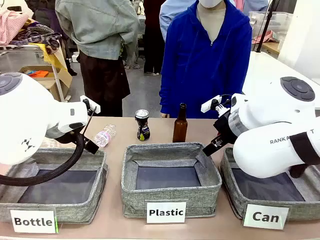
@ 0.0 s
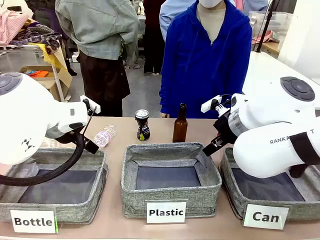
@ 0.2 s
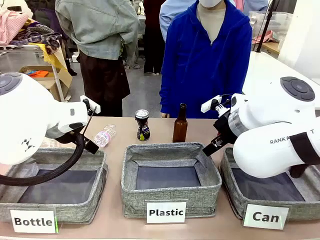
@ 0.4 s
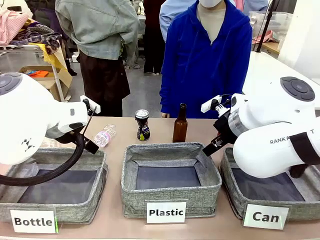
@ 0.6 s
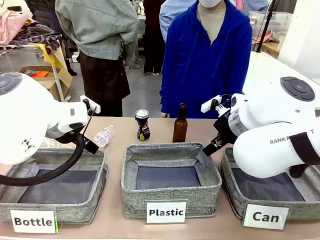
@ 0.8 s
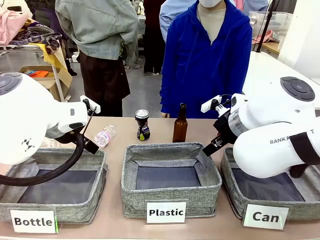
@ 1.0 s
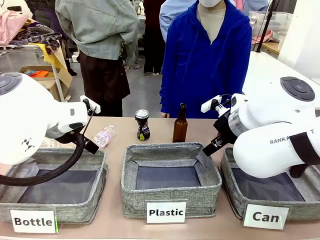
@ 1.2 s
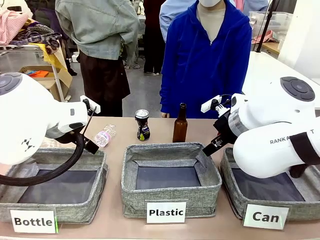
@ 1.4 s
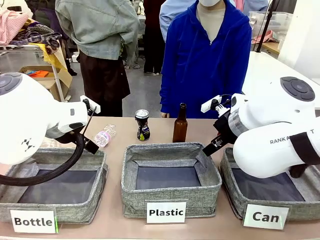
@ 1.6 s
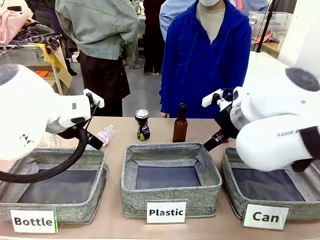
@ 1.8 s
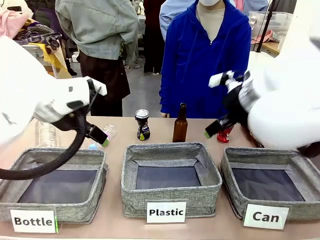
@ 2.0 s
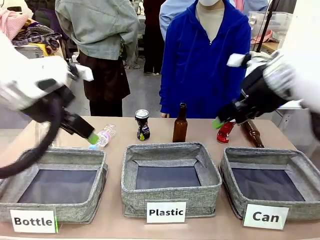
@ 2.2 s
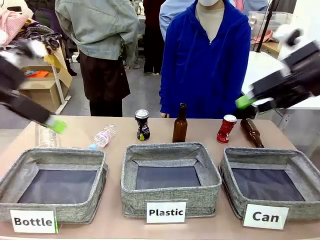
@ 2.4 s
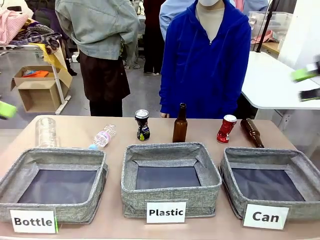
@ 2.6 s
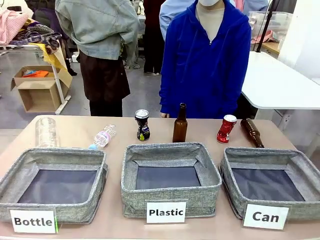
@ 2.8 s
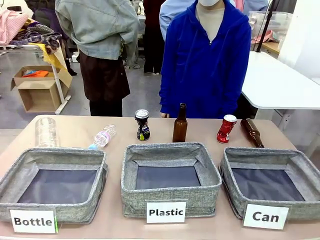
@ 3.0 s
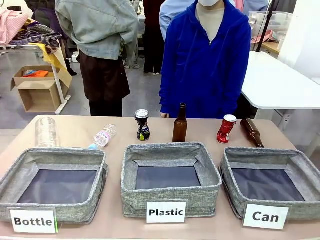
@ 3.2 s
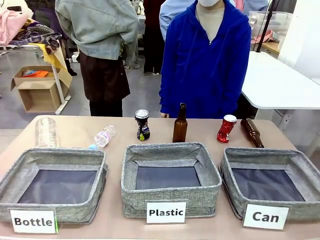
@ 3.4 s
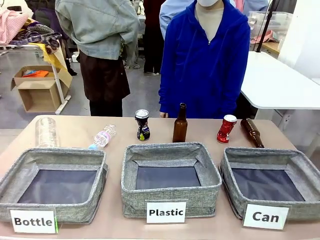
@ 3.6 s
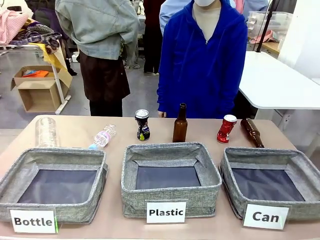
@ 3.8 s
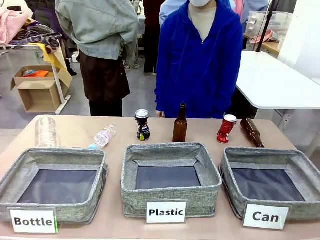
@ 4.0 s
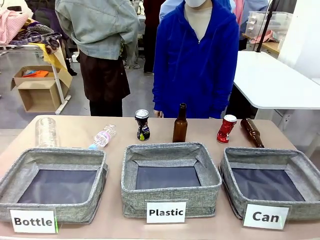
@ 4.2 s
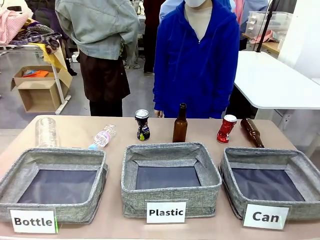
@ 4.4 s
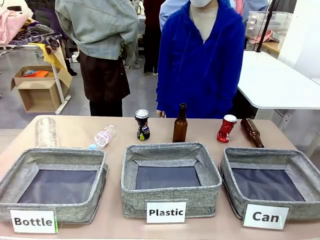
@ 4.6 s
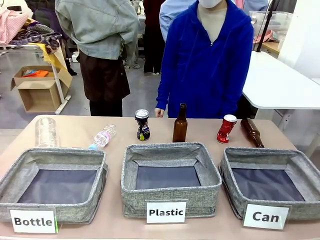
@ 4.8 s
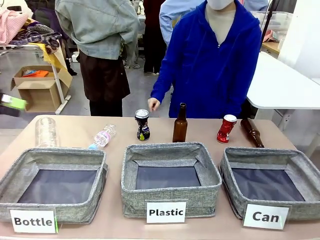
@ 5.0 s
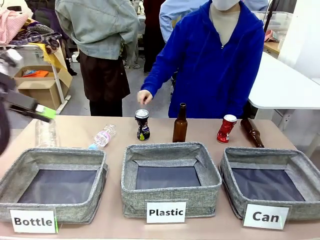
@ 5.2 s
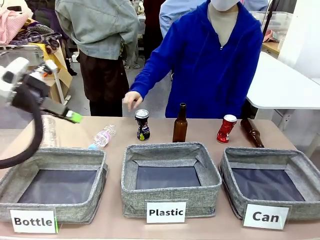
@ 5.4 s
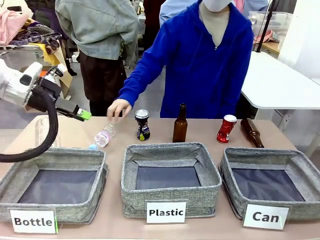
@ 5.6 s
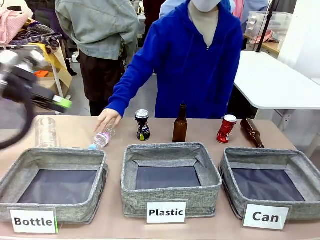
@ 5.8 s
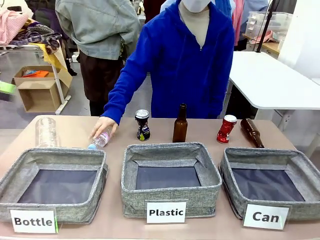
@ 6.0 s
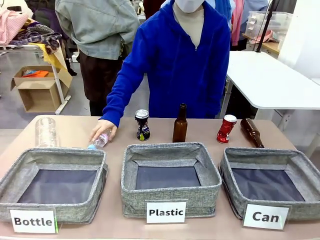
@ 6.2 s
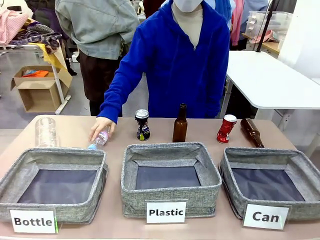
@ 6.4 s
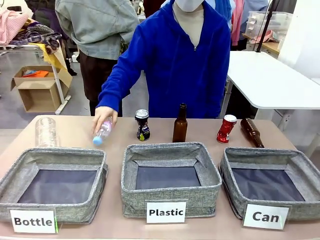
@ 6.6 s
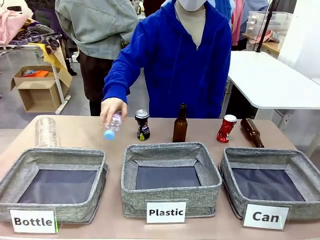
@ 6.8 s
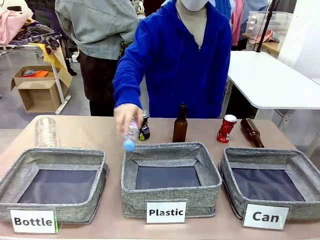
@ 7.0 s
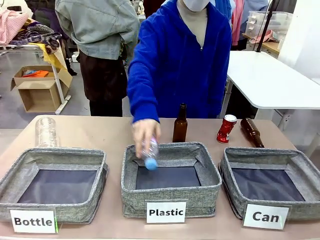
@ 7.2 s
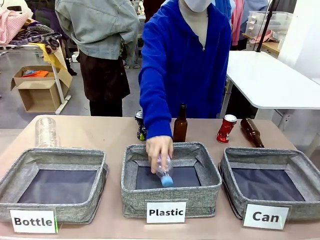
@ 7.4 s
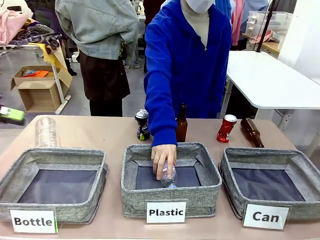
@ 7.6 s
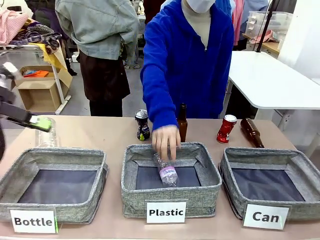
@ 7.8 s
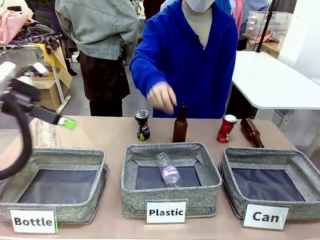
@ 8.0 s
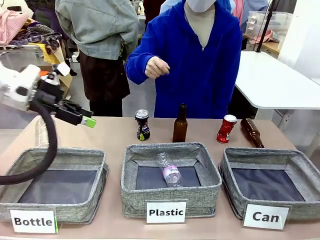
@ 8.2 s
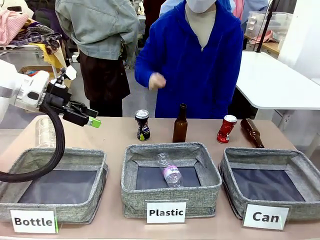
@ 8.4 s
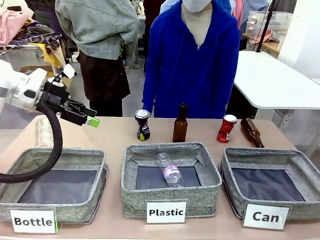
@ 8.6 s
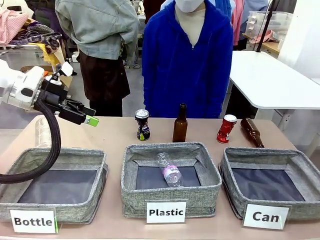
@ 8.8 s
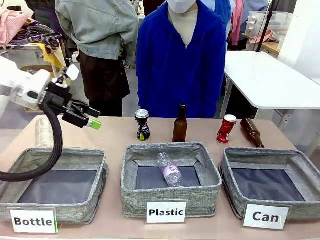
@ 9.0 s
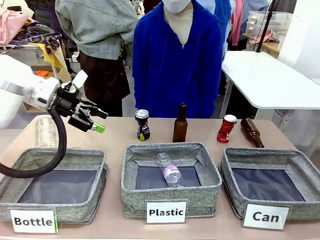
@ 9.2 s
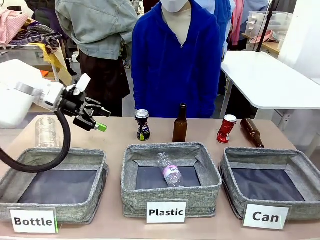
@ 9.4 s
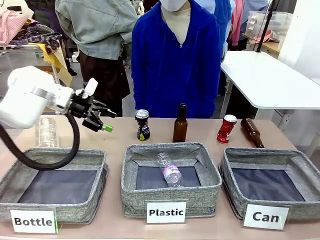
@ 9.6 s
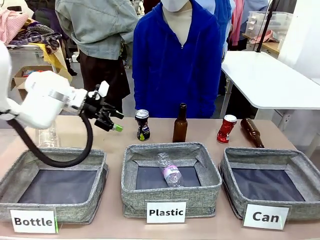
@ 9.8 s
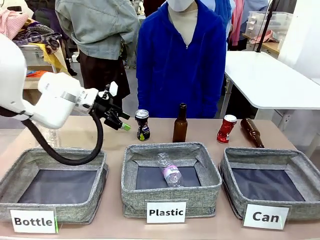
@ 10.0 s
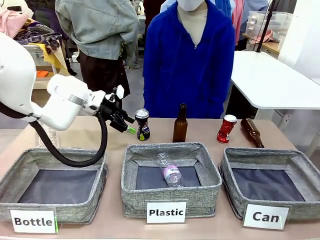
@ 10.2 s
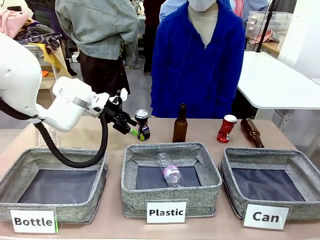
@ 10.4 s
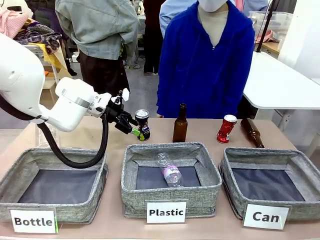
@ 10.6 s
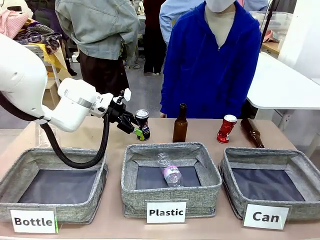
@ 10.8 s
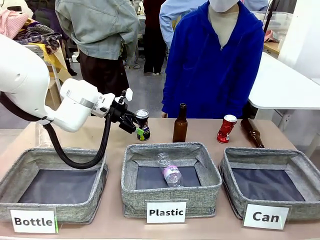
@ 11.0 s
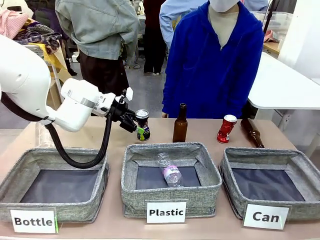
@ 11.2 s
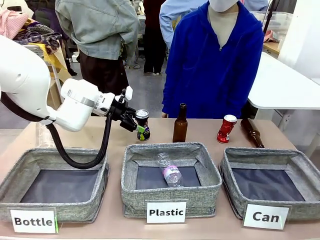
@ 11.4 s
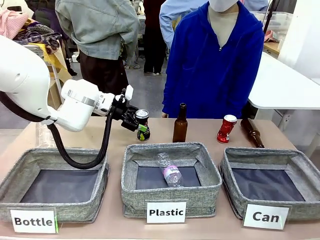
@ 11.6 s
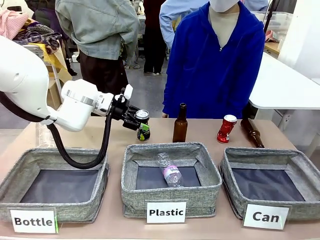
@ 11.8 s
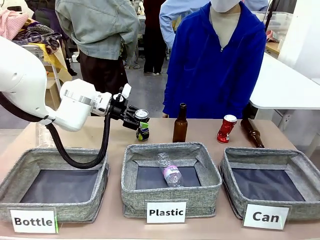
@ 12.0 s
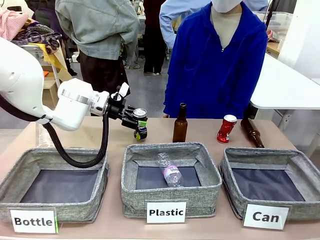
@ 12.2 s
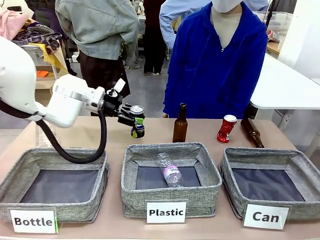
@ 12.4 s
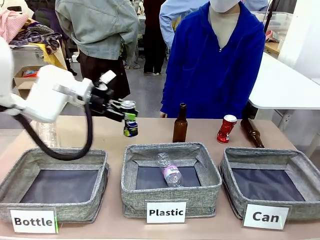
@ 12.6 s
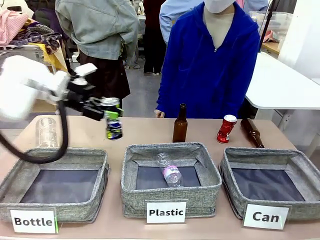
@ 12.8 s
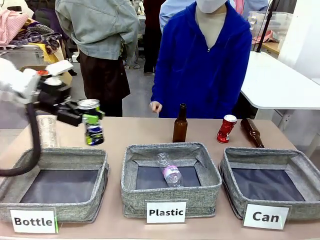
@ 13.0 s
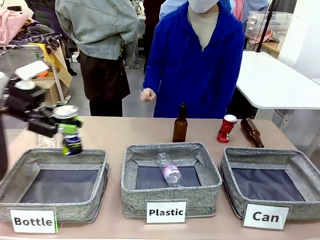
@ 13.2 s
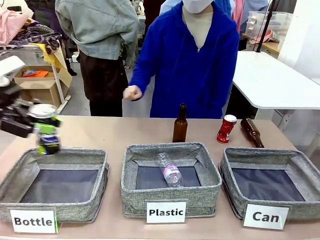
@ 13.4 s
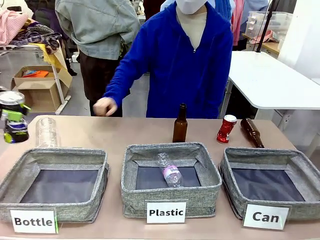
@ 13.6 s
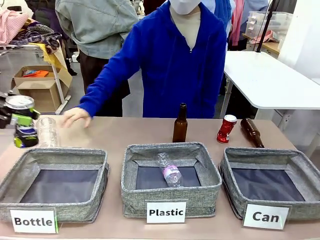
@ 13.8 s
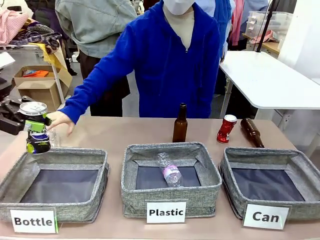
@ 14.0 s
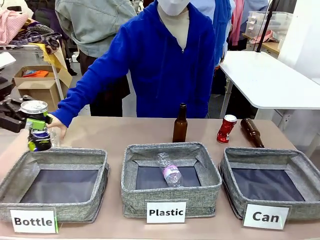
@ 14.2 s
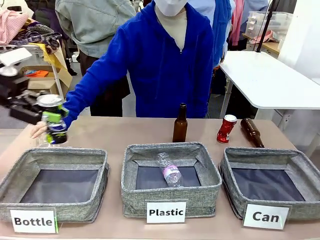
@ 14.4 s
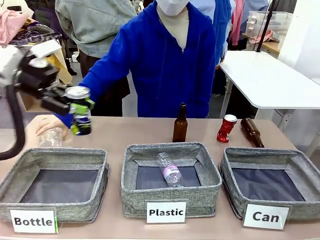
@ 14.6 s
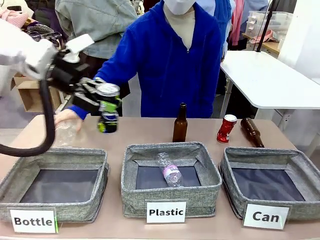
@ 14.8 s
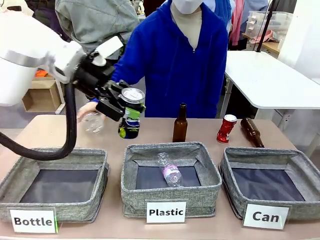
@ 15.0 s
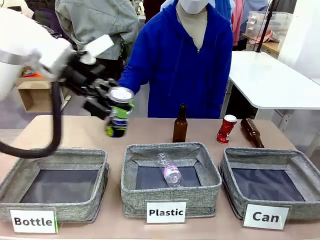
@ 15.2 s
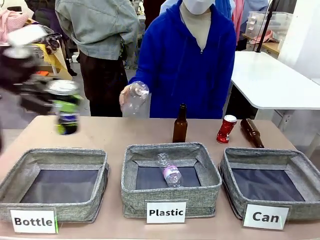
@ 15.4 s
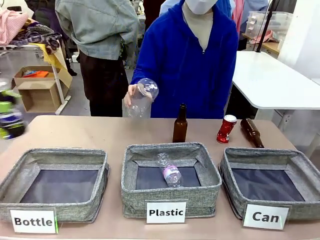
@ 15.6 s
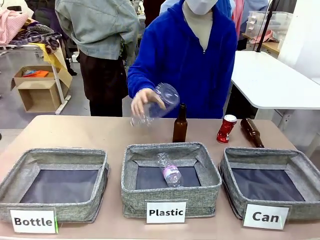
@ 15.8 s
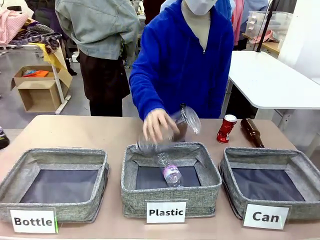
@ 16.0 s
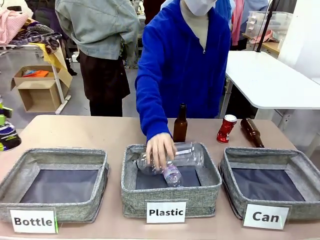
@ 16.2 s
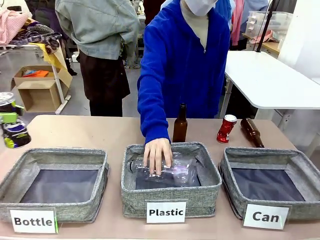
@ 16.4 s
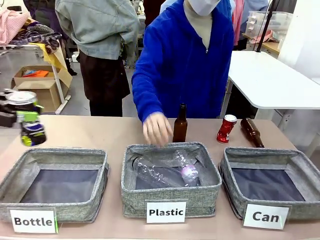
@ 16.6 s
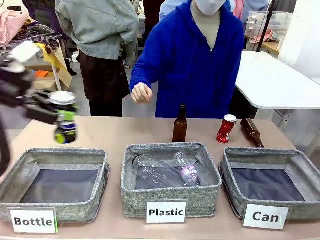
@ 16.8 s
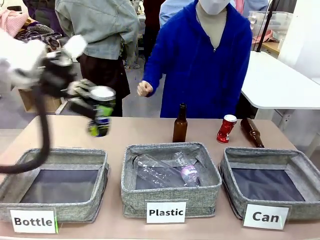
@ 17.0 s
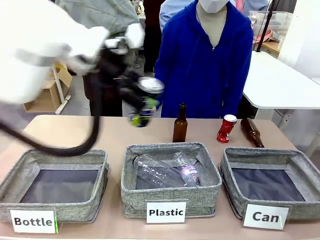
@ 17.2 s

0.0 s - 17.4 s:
Task: Sort the can waste into the basket.
Robot: Pick up the can waste from the table and place it in the right Fabric basket.
